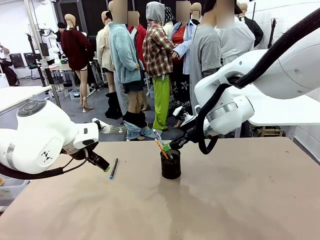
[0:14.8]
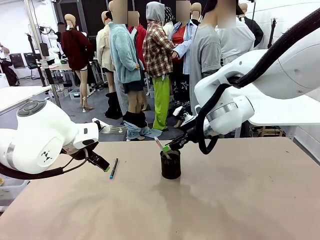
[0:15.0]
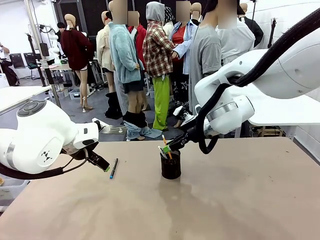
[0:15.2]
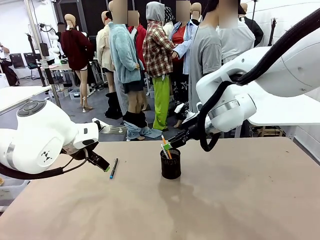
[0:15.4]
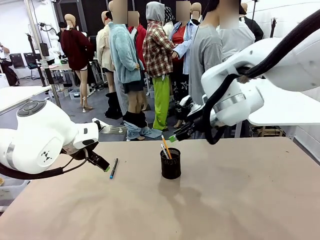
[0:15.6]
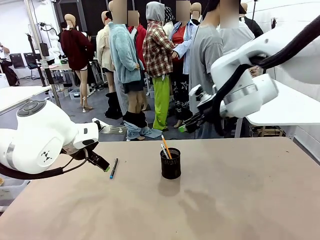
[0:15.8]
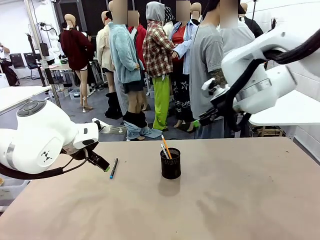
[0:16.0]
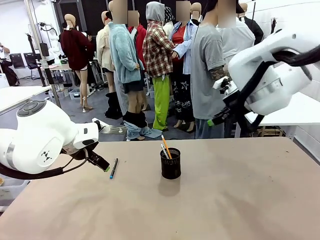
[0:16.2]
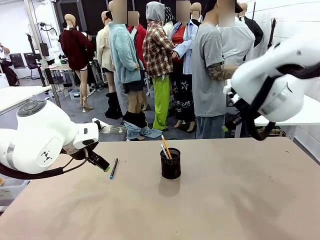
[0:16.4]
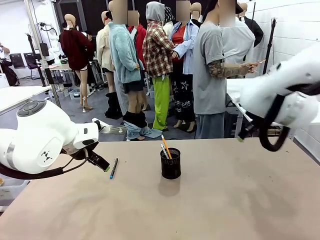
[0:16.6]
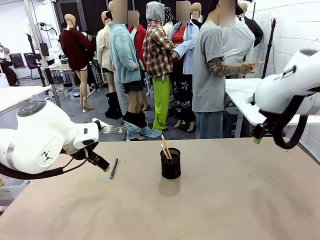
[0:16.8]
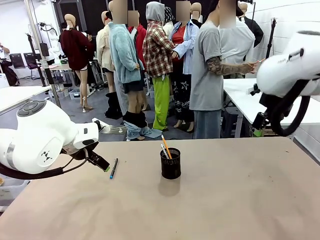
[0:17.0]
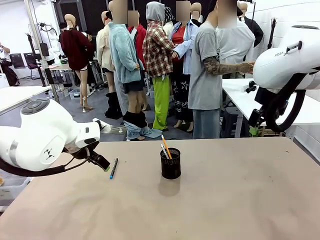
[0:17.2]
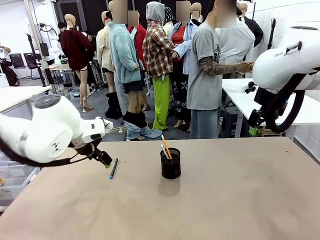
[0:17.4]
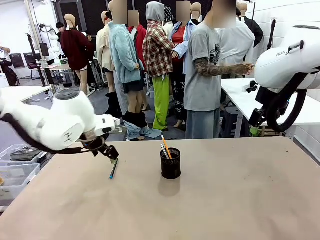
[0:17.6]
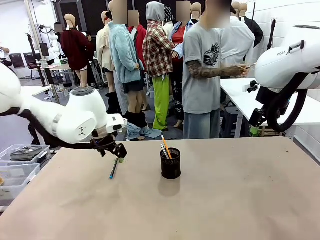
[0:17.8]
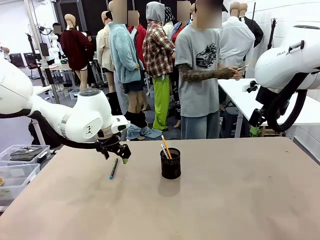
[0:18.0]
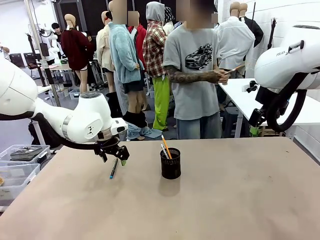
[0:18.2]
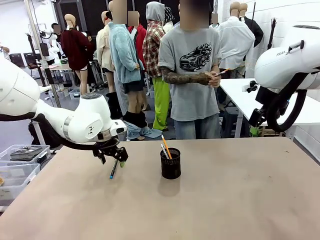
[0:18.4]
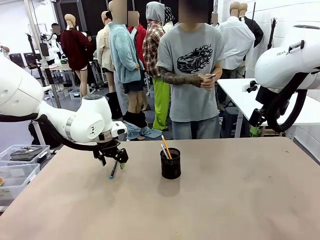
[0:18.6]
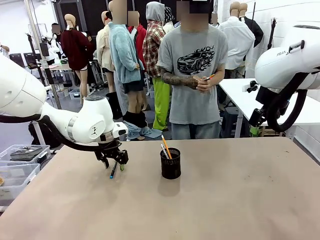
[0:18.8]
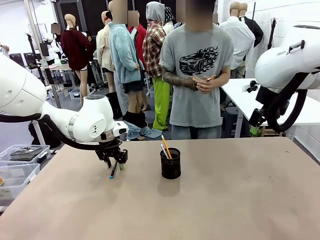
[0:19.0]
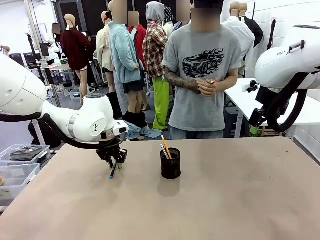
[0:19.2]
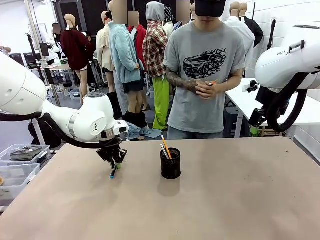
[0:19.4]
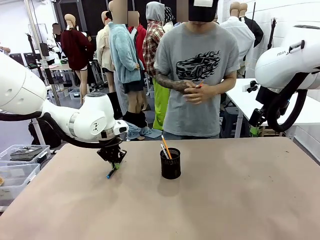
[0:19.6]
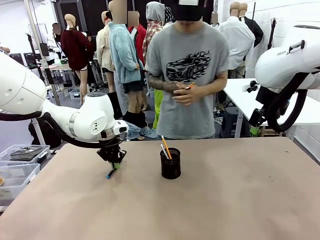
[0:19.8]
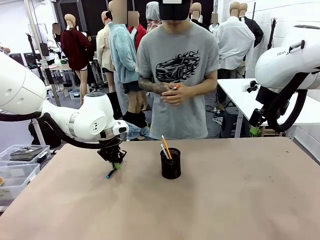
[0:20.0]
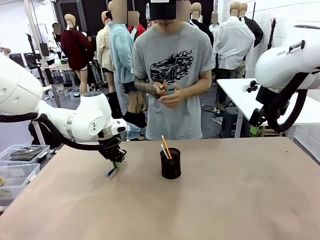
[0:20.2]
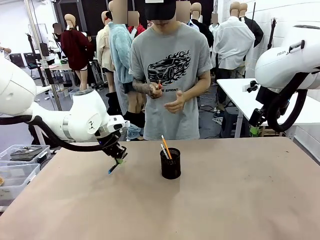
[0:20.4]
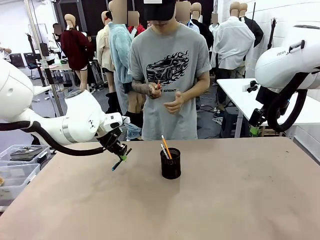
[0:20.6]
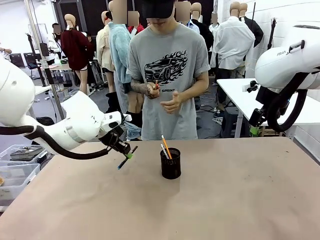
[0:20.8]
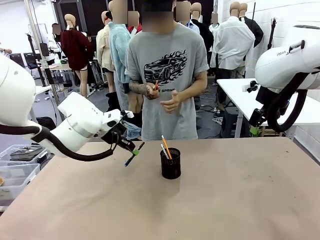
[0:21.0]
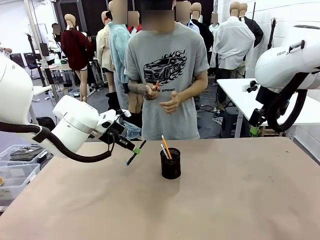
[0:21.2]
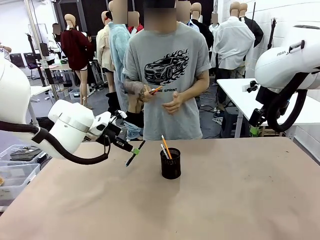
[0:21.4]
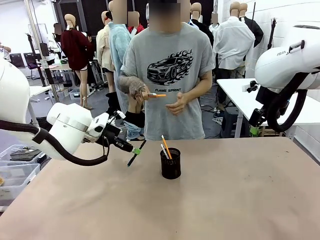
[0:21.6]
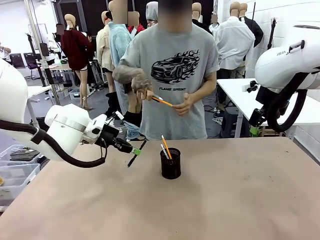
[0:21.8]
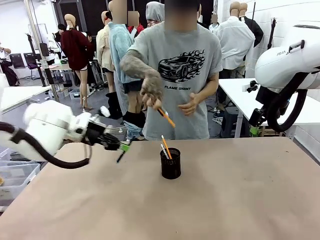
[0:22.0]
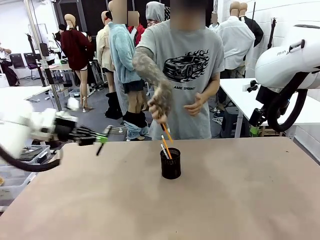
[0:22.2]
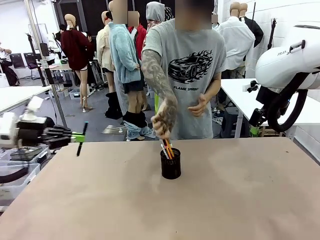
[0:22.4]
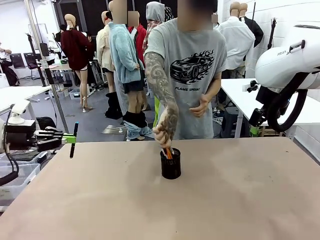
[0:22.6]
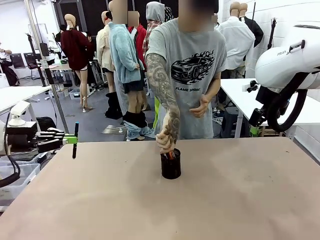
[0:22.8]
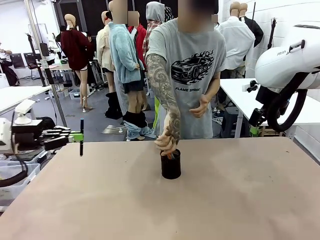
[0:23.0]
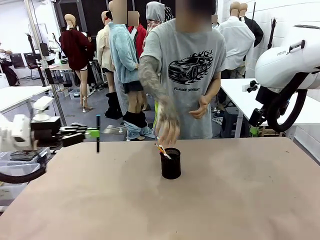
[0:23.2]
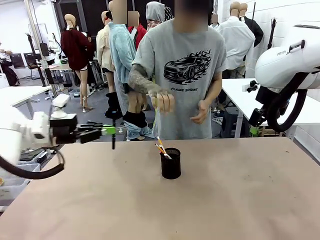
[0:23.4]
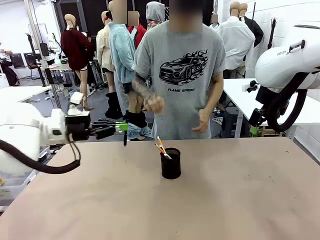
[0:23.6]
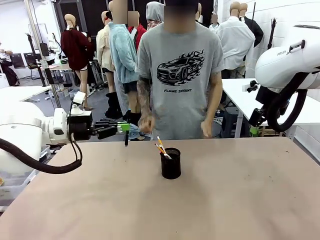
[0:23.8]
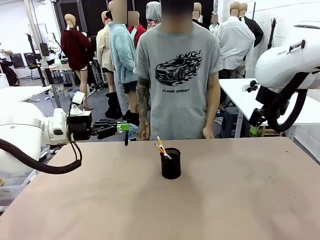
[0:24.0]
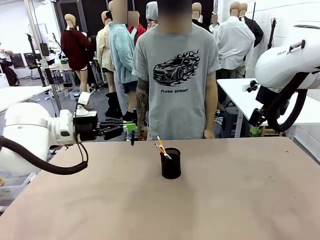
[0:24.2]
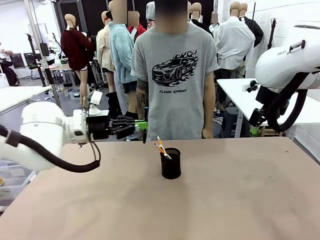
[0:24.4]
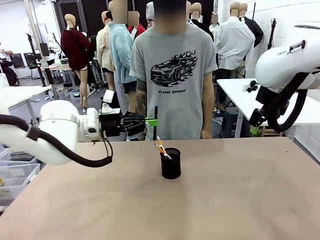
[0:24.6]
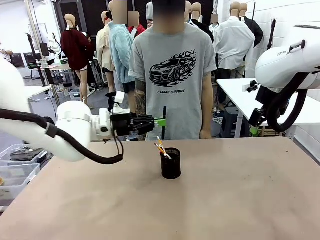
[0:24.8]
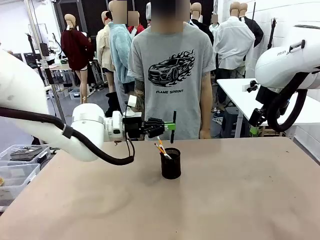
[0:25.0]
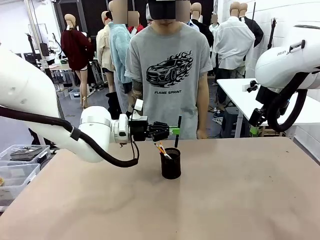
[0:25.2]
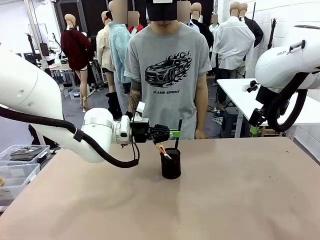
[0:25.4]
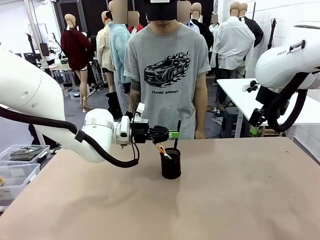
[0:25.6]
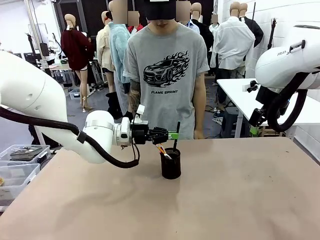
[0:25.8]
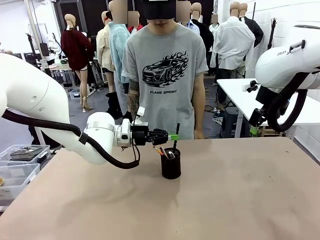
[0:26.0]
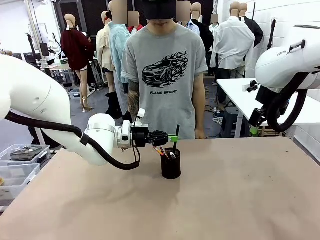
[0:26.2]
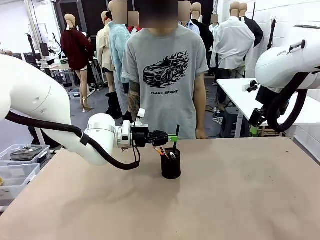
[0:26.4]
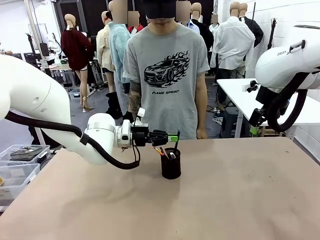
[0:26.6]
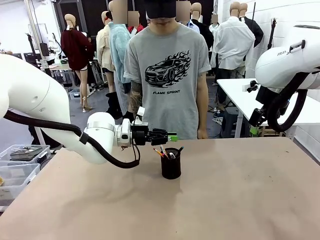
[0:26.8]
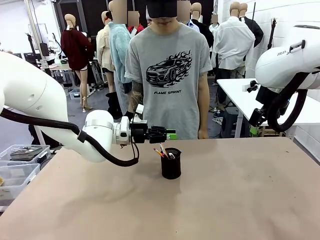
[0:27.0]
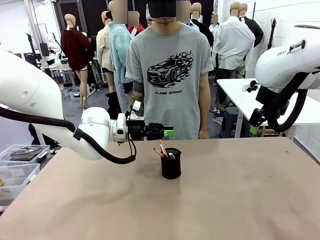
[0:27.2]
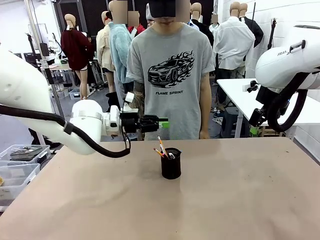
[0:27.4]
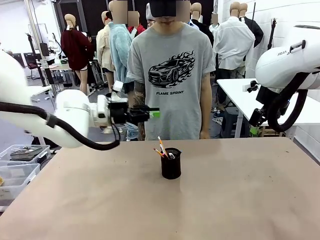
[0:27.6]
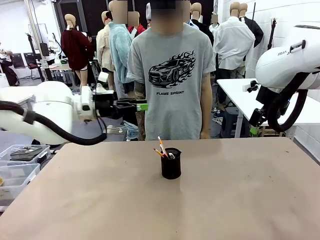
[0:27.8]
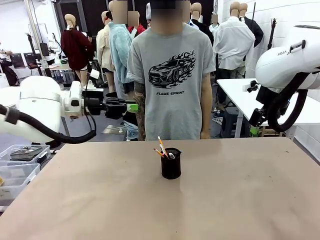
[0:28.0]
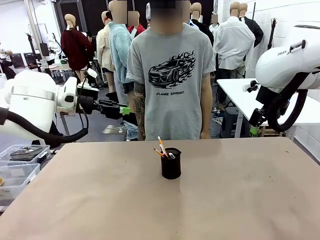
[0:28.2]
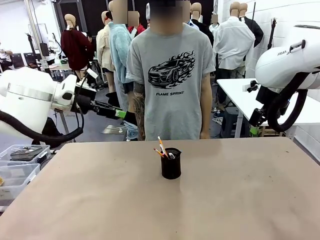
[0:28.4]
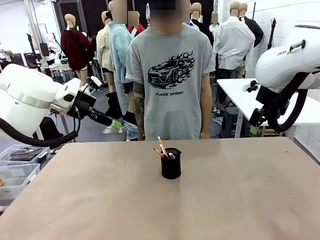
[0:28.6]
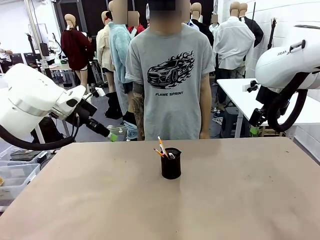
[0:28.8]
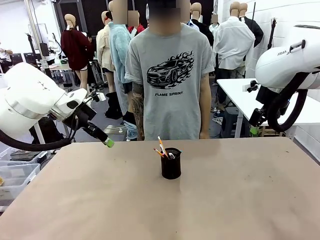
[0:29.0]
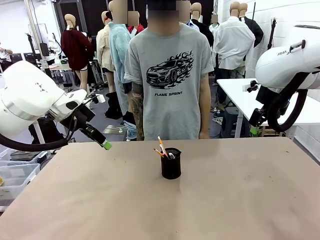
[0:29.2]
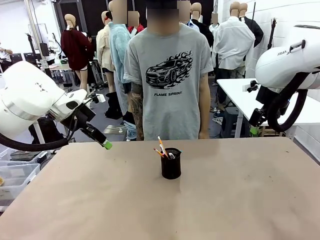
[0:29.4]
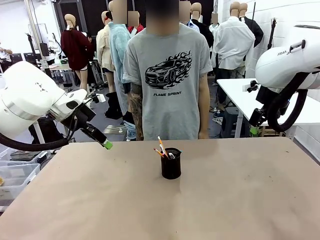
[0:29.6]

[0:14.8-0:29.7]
Task: Place the pens into the pen holder.
Robot: Pick up a writing instrument from the table and place it into the Pen holder.
Person: Place all writing instrument into the Pen holder.
